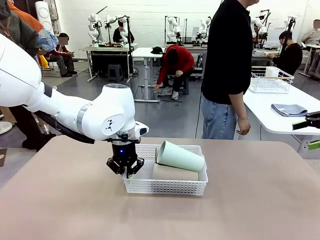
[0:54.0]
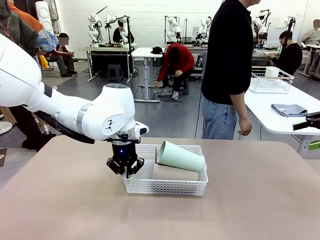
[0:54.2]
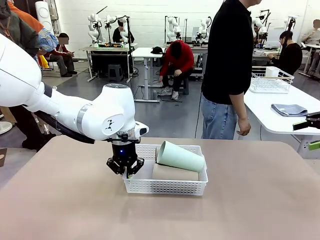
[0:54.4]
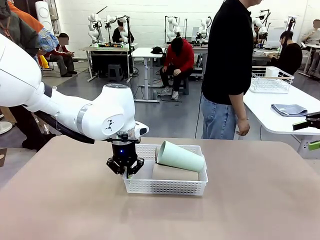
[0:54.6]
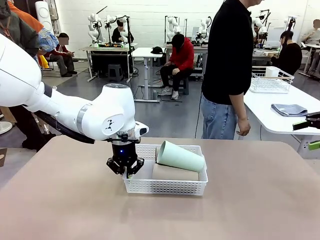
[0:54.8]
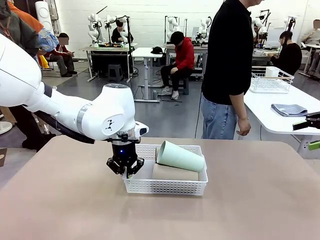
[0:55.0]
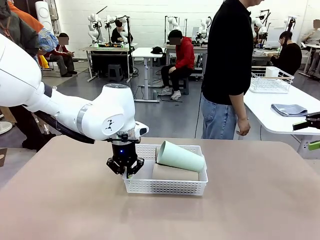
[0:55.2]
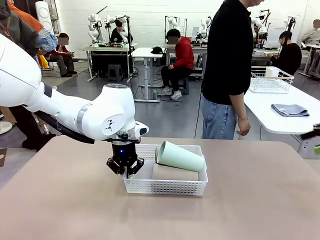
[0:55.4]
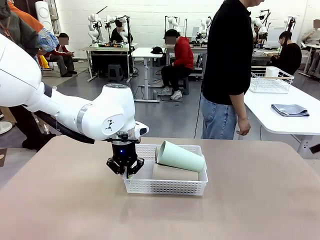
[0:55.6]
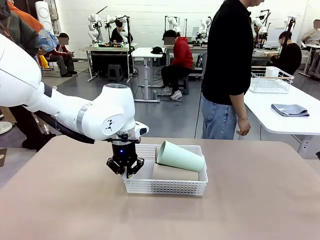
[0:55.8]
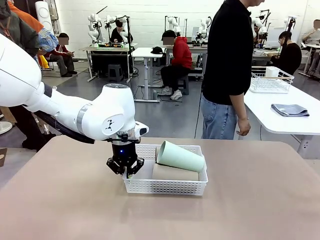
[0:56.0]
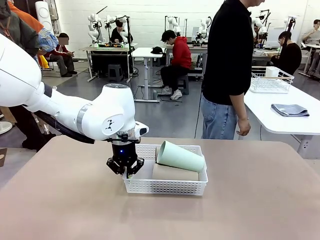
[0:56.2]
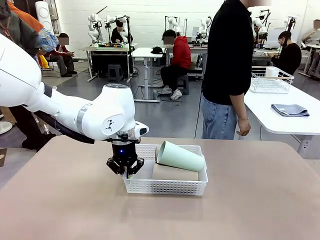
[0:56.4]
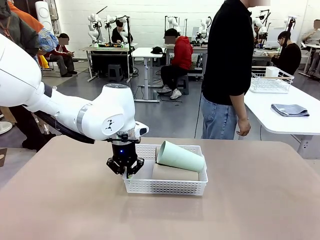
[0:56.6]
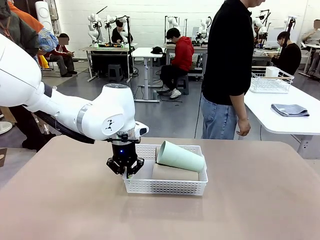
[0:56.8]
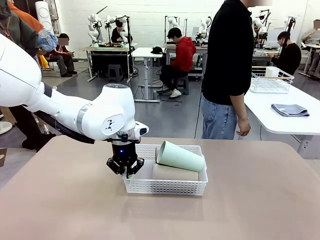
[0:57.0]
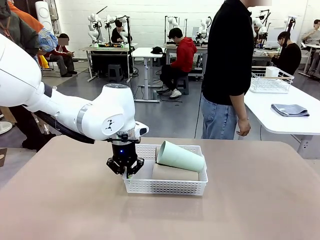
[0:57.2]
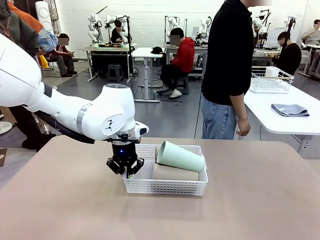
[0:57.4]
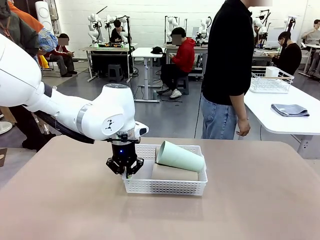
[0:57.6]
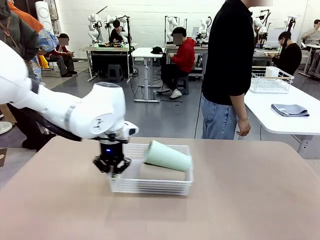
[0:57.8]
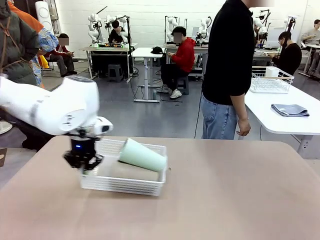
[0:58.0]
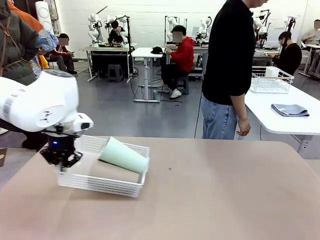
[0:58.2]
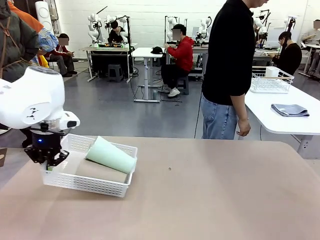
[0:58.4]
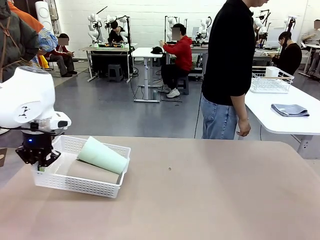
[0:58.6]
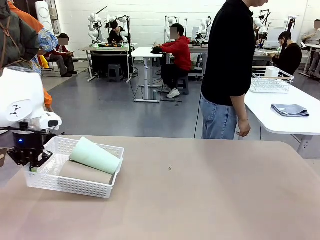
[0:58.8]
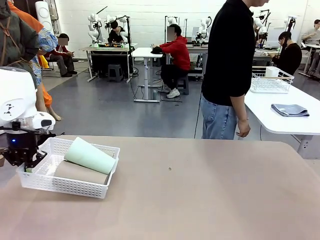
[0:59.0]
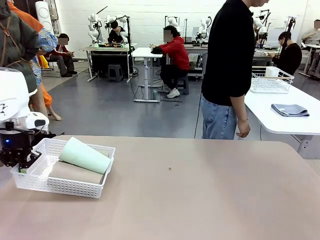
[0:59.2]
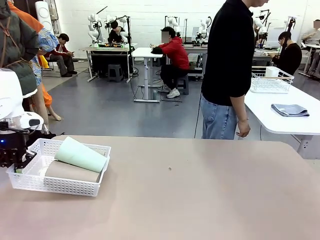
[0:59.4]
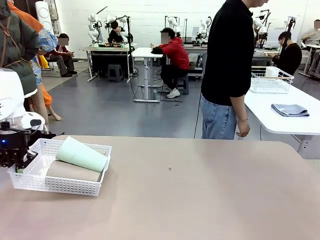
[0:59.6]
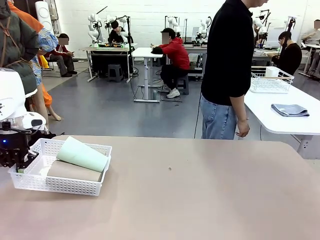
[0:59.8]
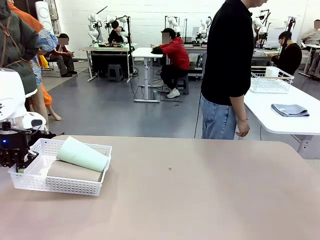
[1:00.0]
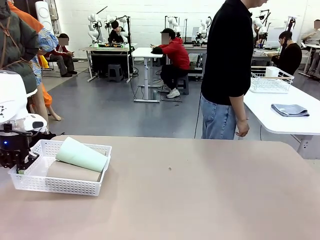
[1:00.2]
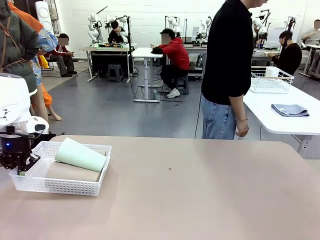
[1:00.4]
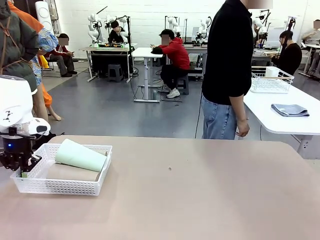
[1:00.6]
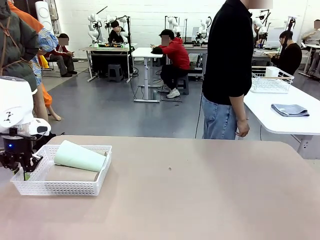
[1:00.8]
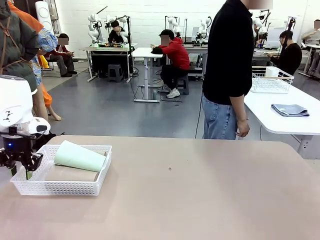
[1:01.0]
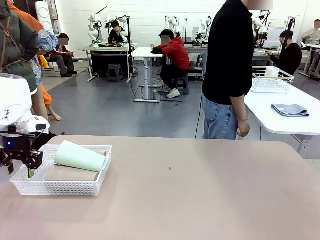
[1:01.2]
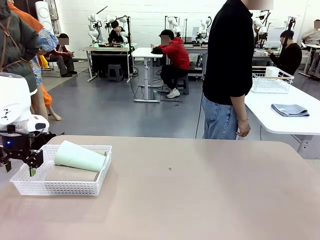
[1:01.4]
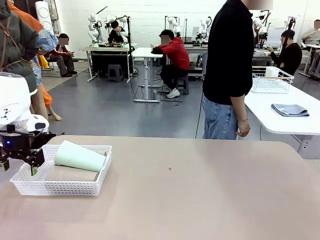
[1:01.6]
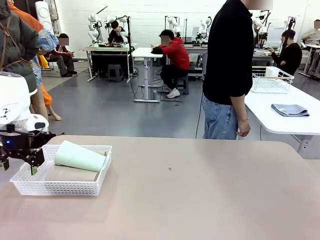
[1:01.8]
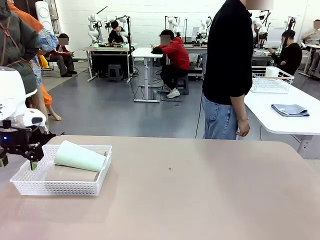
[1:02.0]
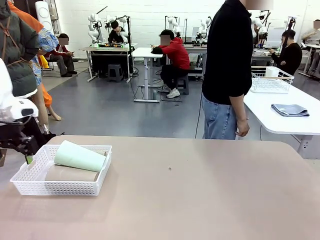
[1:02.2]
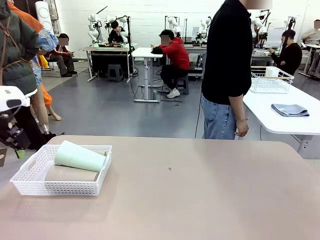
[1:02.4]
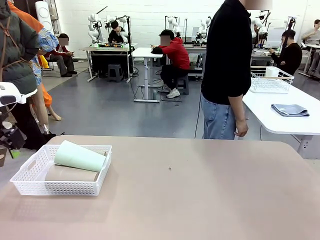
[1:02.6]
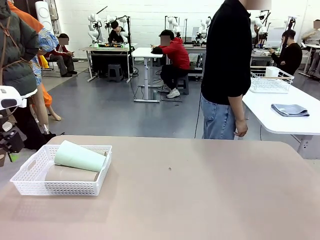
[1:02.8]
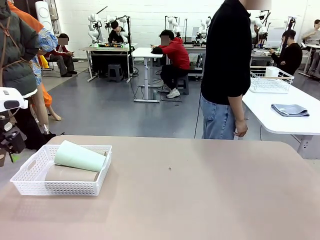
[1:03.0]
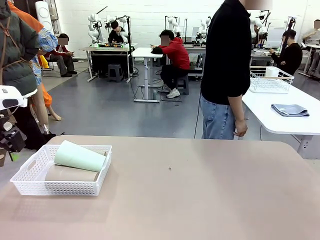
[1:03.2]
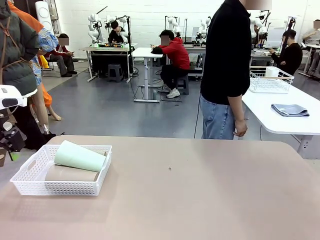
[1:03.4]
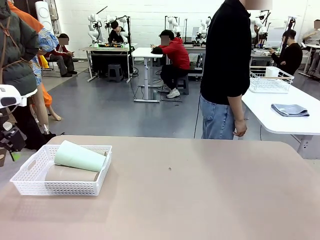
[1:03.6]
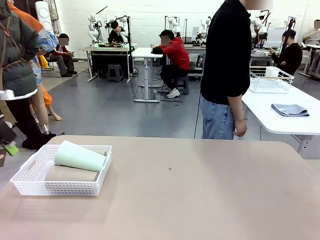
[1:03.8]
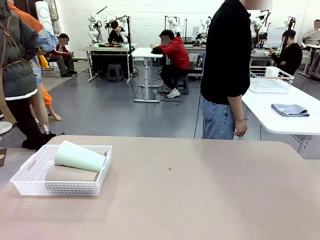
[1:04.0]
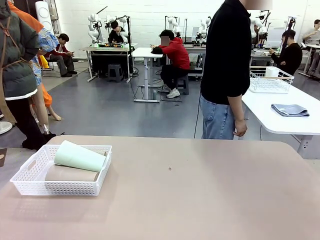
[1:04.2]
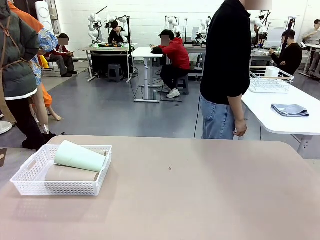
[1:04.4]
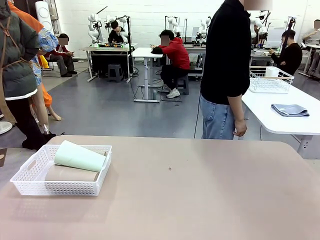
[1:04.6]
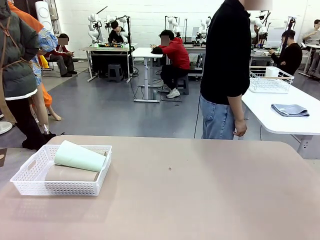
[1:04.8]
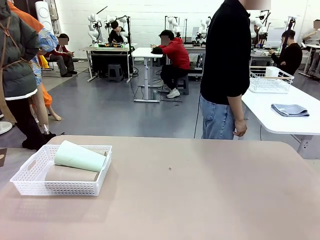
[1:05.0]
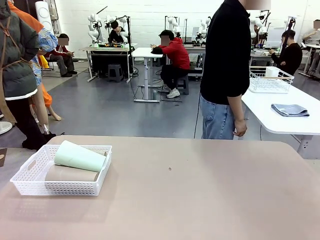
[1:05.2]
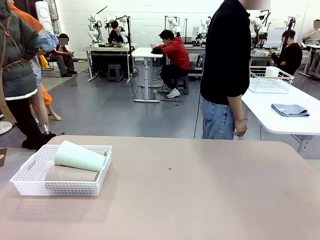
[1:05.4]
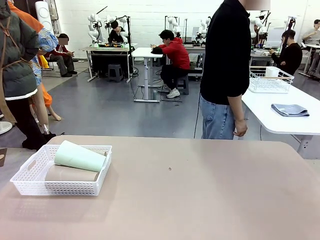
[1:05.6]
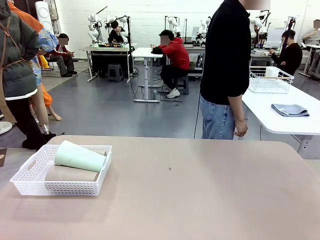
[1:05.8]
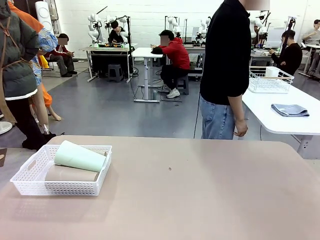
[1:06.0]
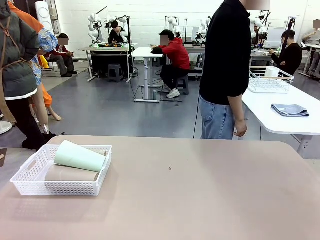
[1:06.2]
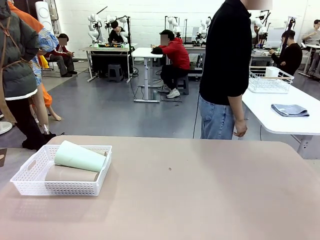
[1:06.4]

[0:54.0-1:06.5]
Task: Clean and organize the cups into the basket.
Robot: Move the Organizing basket back to the left side of the table.
Person: Folds the towel in half twice and places it in the right of the table.
